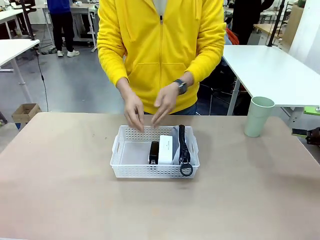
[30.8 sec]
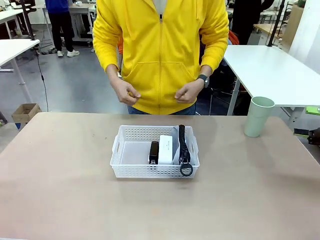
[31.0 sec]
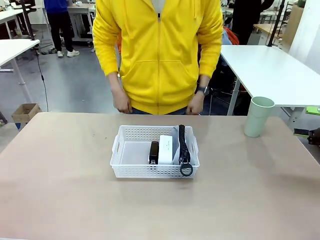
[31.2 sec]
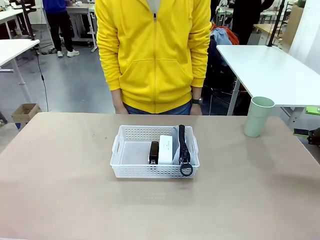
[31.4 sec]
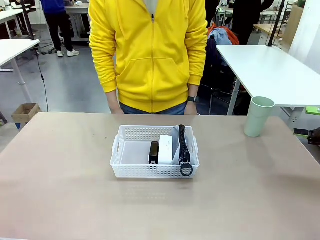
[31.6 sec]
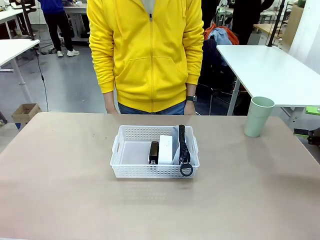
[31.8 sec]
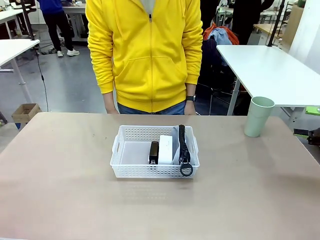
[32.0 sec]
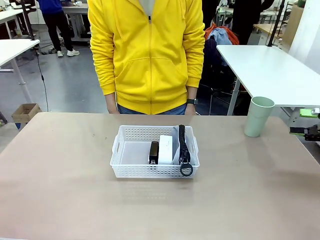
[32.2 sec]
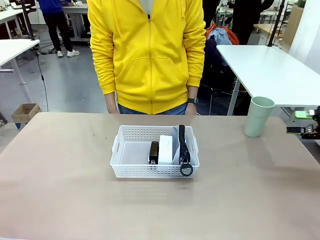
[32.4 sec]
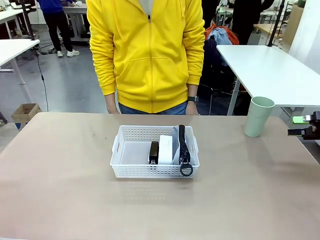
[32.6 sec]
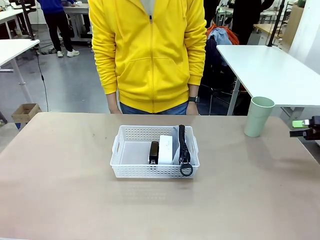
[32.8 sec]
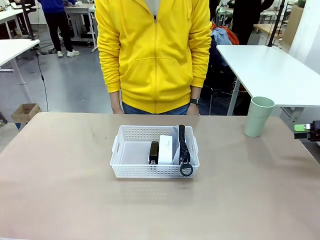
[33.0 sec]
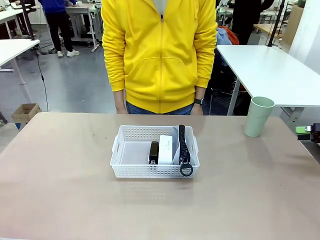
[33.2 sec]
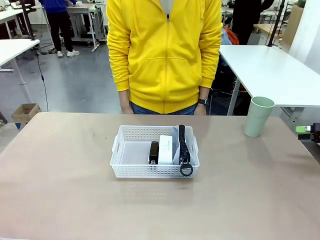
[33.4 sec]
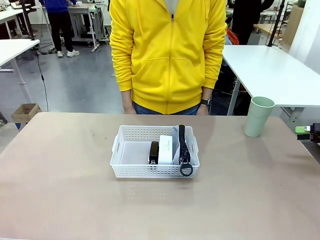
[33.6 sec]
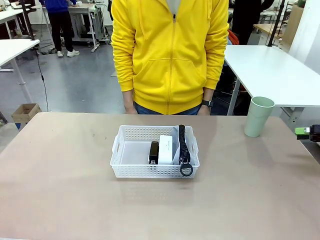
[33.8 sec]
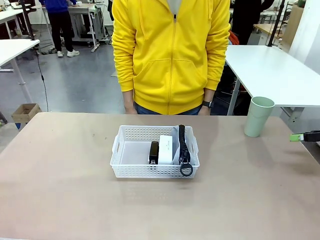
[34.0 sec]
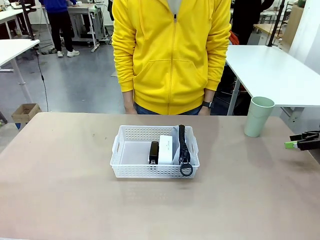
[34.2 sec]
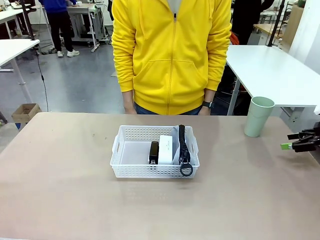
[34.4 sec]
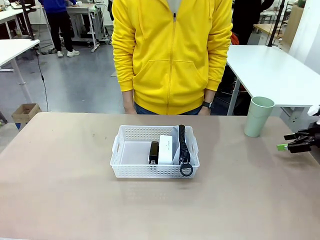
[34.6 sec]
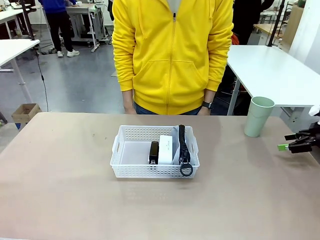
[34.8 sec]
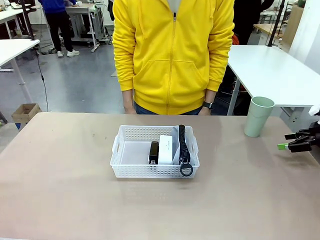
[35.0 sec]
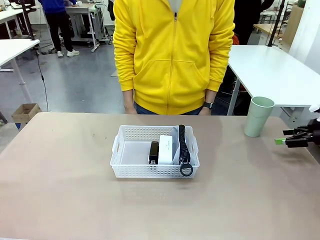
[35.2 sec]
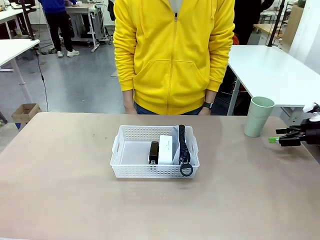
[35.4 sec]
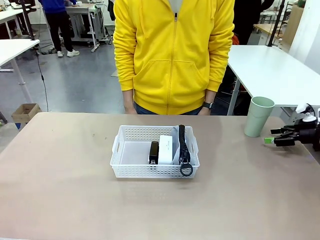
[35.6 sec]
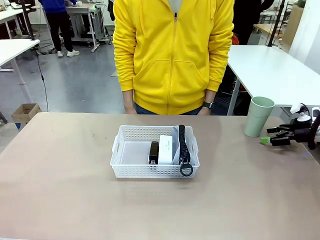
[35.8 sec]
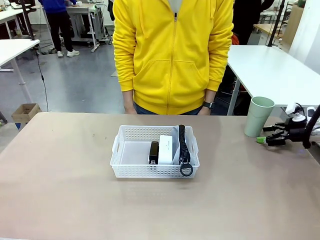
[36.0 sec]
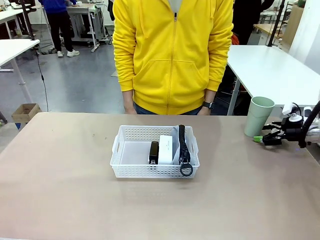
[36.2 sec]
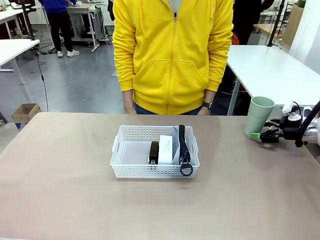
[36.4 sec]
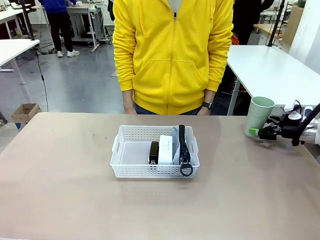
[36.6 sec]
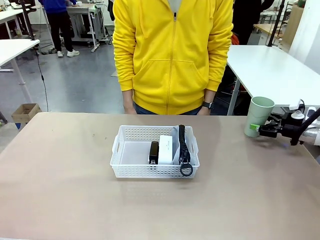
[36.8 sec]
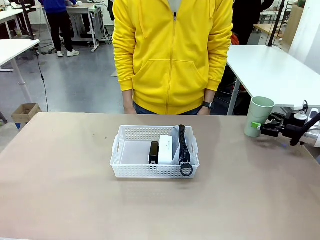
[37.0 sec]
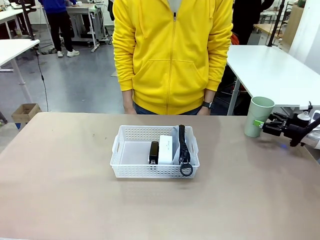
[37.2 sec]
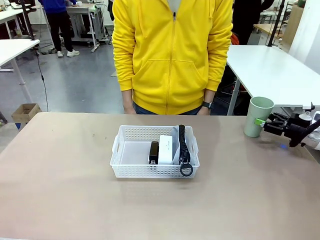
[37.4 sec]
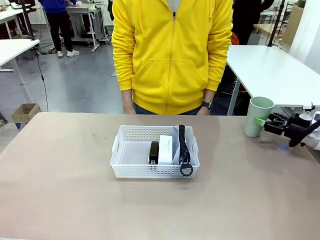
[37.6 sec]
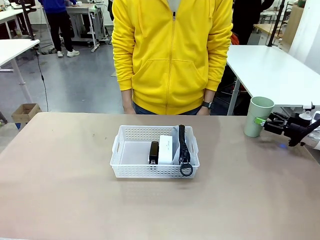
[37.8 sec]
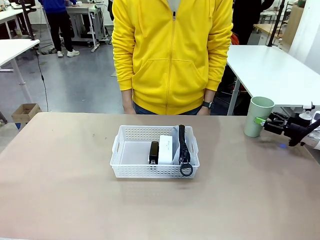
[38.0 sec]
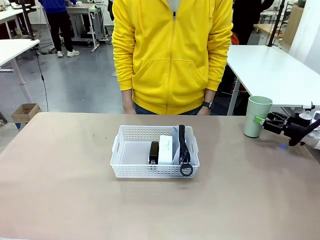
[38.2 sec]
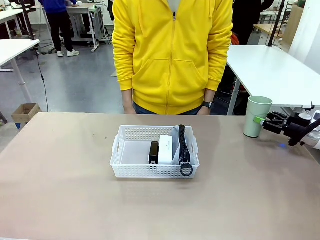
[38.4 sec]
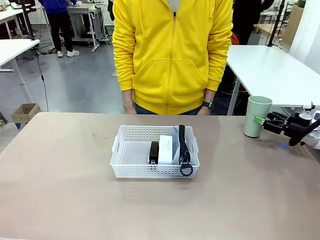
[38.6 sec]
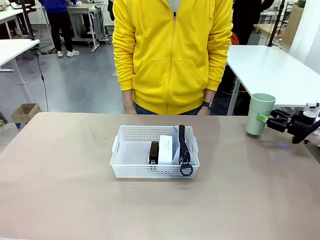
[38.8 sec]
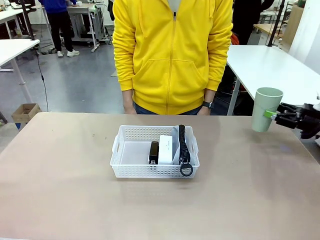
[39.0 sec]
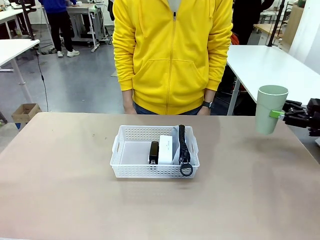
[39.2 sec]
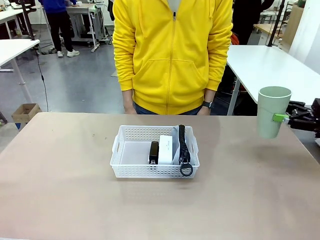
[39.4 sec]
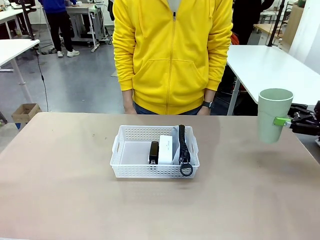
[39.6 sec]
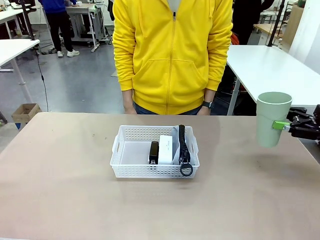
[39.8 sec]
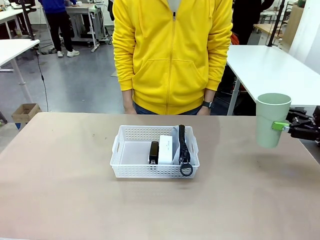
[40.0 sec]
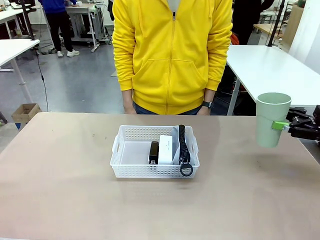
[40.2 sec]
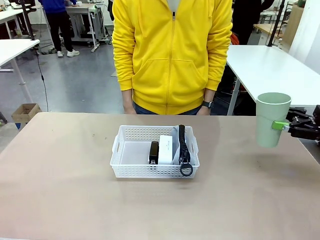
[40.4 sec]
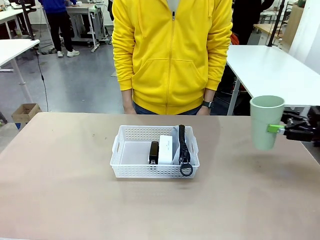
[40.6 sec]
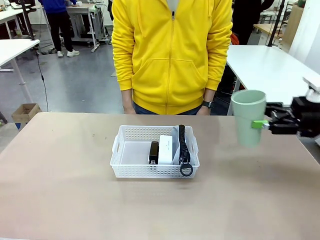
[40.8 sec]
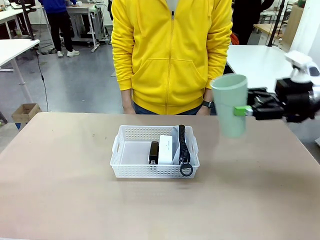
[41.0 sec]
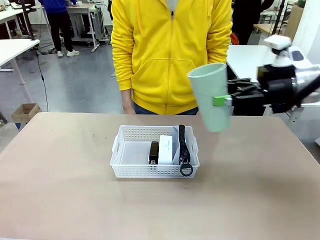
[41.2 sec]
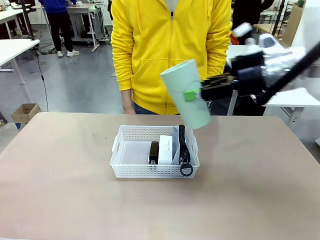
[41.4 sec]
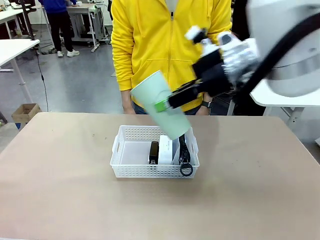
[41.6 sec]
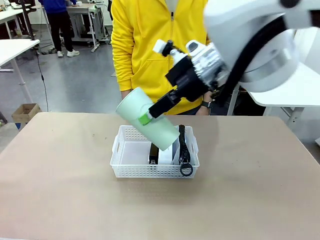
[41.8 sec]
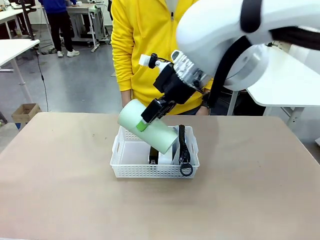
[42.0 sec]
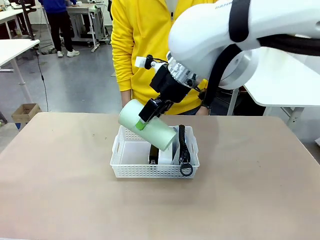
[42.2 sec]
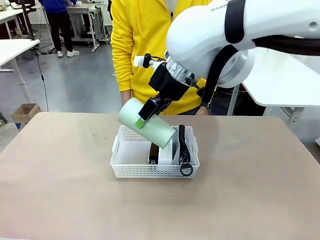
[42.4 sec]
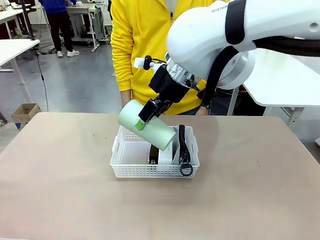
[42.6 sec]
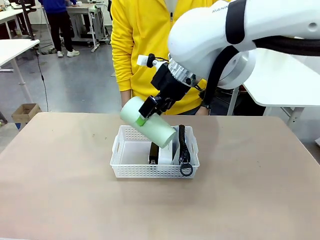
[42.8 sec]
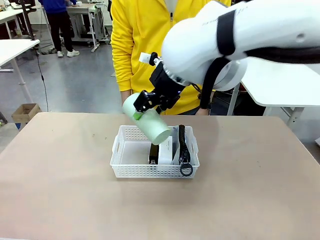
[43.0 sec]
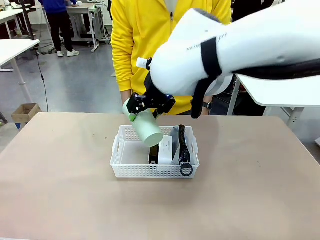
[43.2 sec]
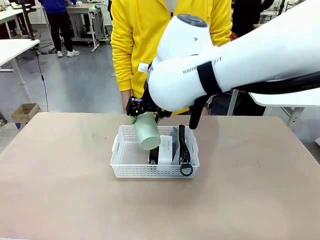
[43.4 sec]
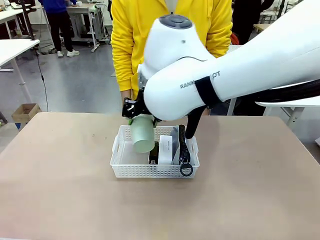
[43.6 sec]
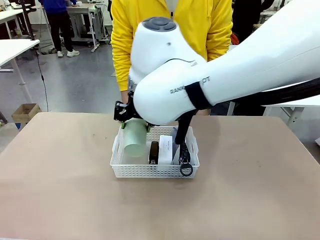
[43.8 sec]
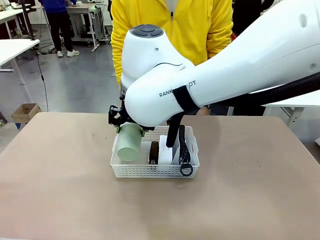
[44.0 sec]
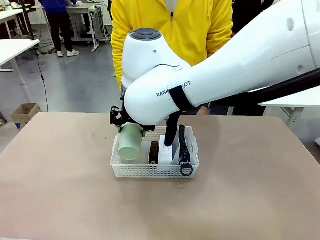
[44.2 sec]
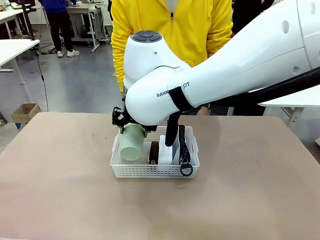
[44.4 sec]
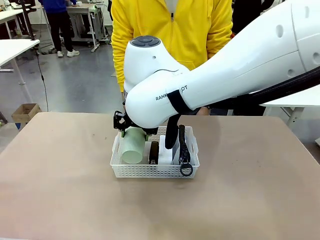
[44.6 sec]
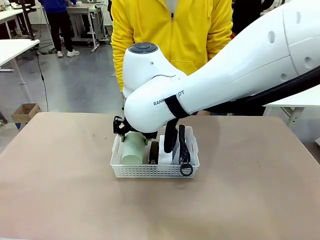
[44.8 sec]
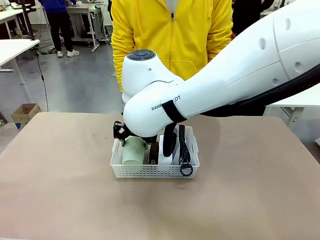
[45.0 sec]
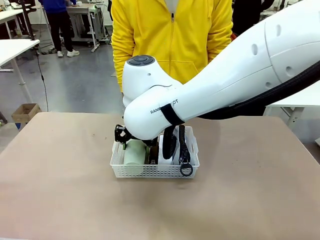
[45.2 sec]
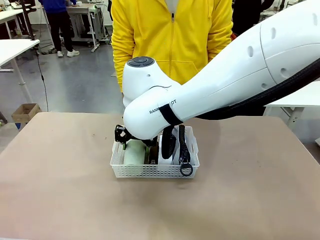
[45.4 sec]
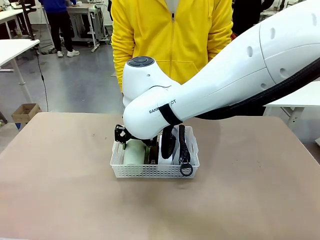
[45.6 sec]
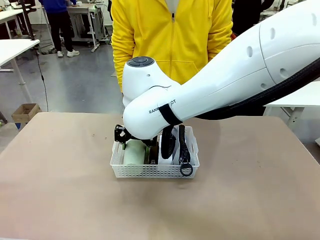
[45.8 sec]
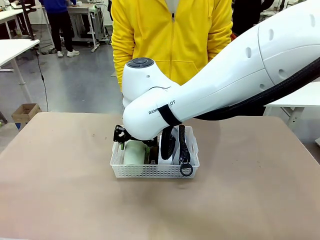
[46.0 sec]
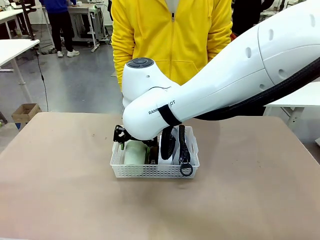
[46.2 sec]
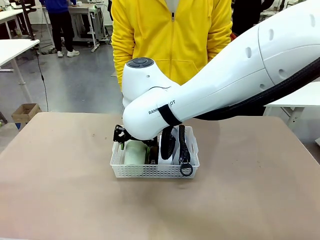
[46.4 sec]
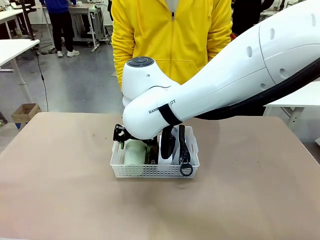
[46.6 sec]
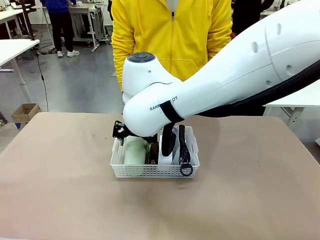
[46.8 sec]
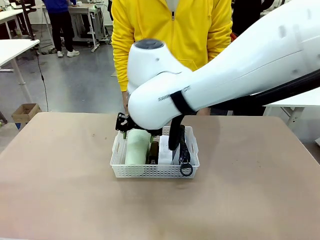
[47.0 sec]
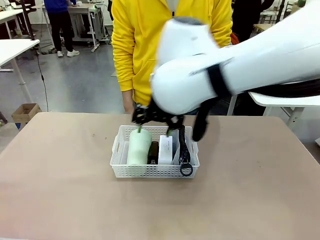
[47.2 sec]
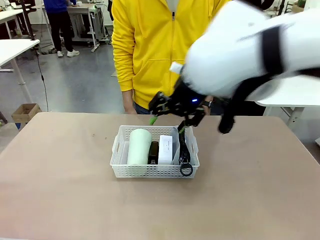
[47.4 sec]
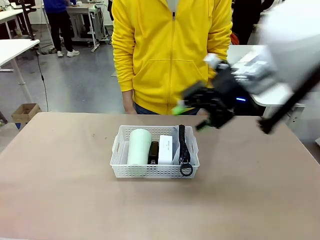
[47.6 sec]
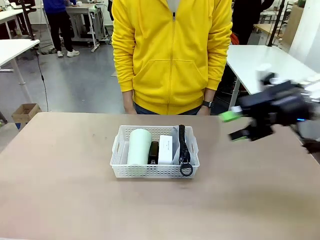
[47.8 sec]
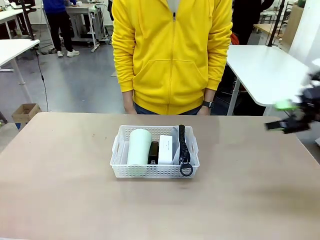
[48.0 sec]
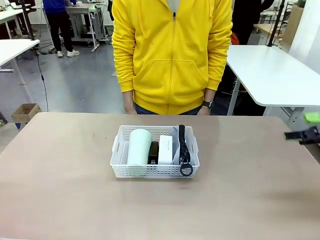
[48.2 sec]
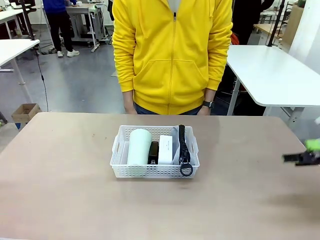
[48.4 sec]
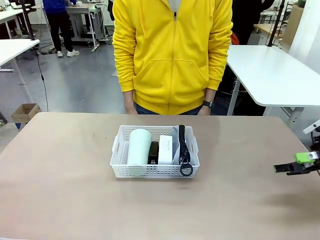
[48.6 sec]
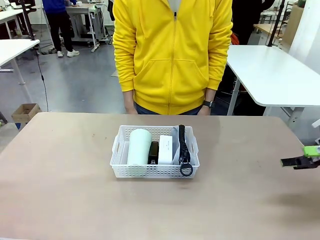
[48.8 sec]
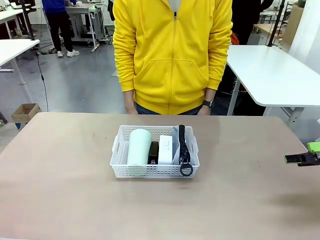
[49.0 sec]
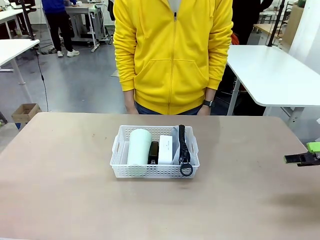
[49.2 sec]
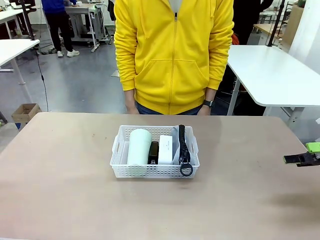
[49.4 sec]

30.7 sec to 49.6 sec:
Task: Efficiently arrange items inside the basket to fit them all.
Robot: Pick up the Reusable plastic cup and place it inside the Organizing basket.
Person: Repositions the stapler.
